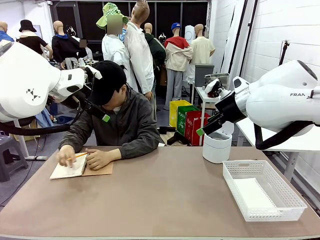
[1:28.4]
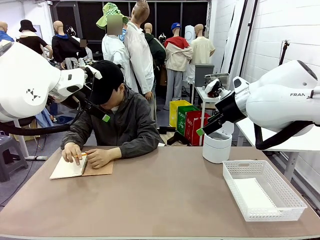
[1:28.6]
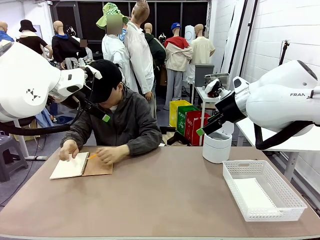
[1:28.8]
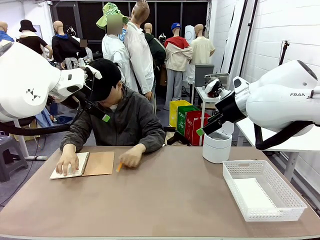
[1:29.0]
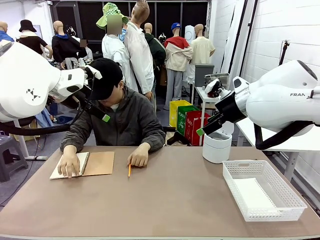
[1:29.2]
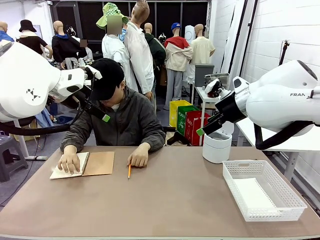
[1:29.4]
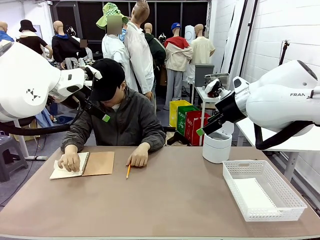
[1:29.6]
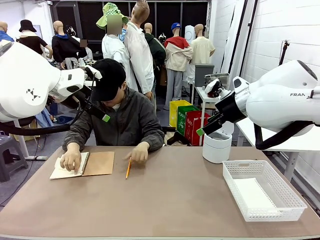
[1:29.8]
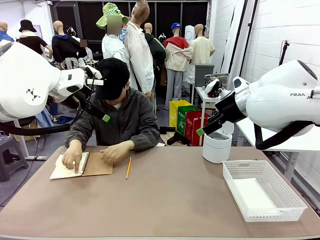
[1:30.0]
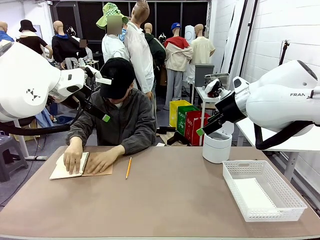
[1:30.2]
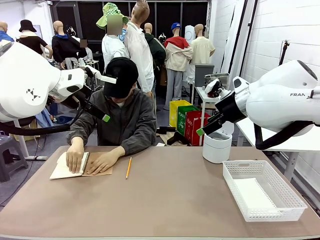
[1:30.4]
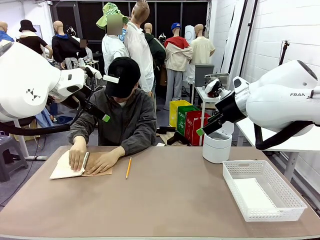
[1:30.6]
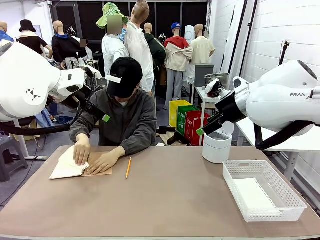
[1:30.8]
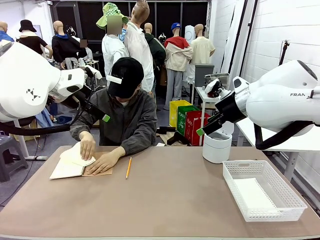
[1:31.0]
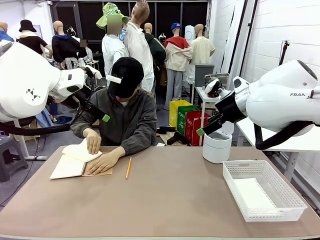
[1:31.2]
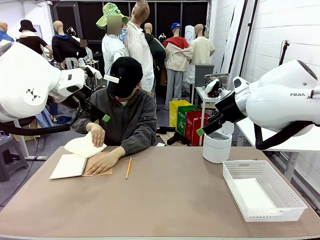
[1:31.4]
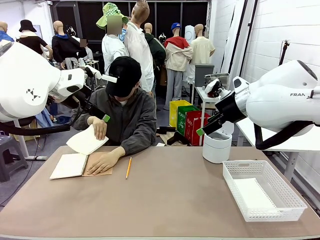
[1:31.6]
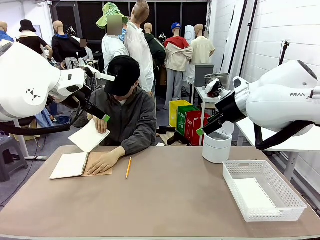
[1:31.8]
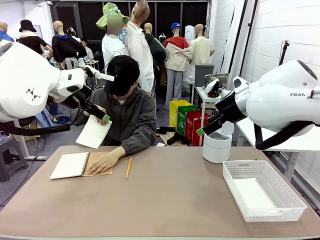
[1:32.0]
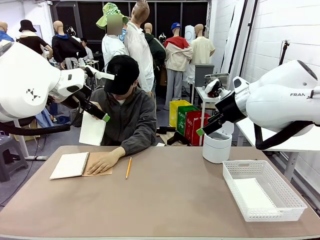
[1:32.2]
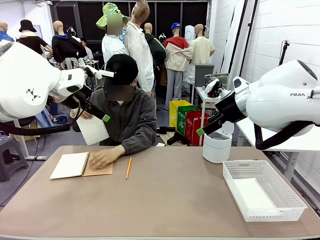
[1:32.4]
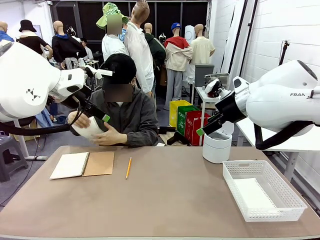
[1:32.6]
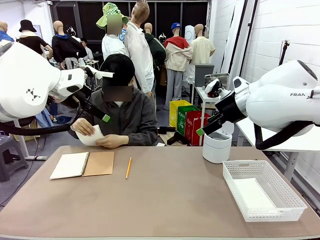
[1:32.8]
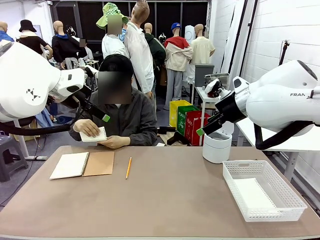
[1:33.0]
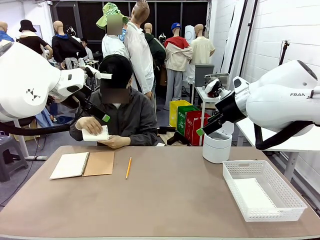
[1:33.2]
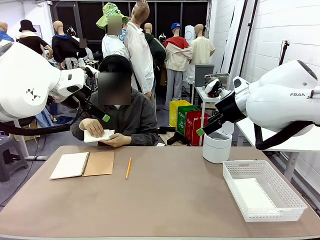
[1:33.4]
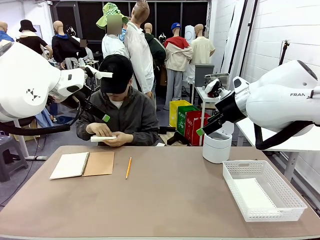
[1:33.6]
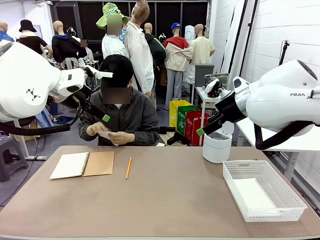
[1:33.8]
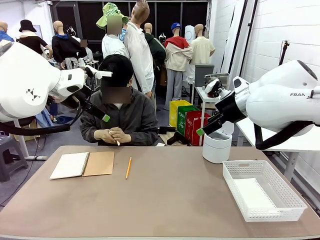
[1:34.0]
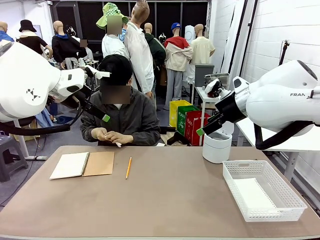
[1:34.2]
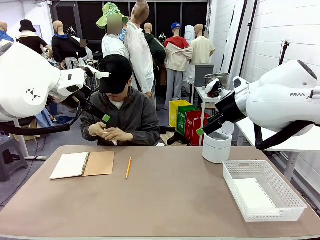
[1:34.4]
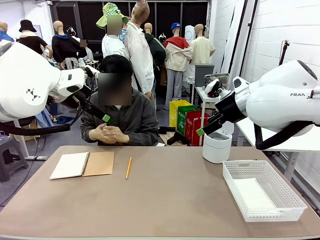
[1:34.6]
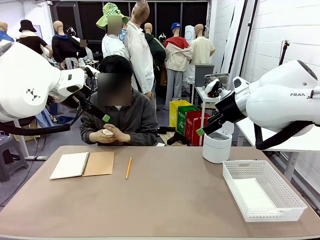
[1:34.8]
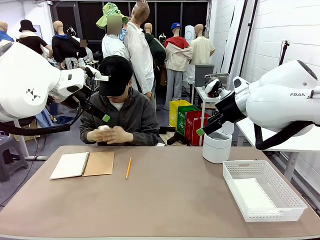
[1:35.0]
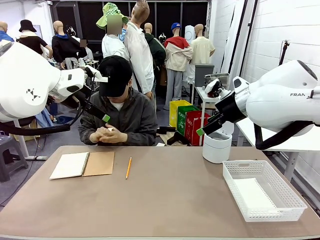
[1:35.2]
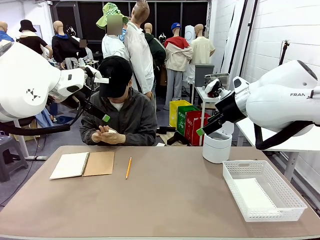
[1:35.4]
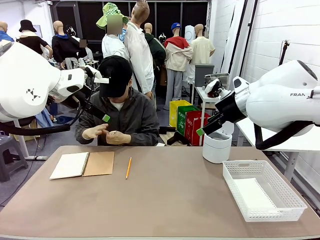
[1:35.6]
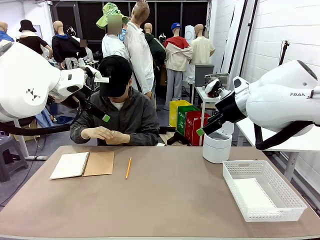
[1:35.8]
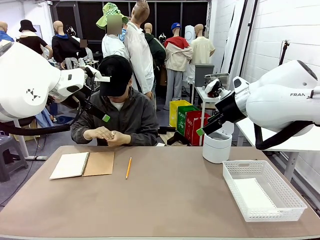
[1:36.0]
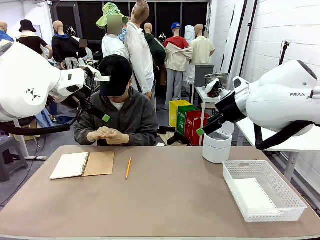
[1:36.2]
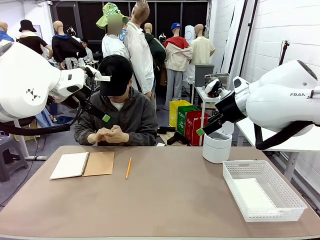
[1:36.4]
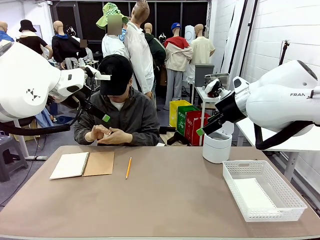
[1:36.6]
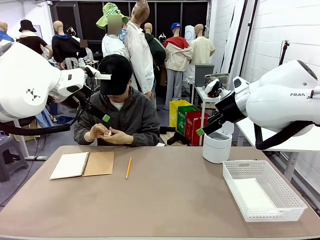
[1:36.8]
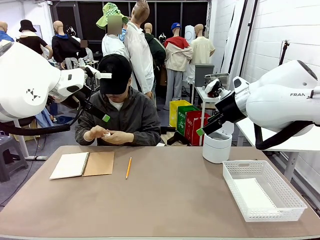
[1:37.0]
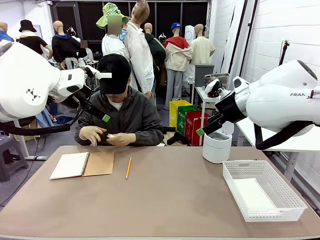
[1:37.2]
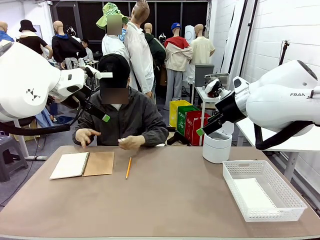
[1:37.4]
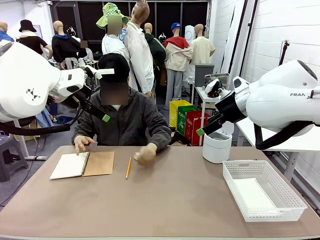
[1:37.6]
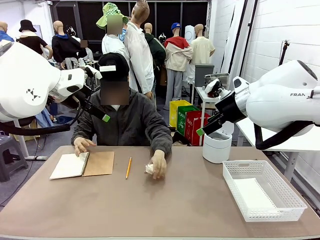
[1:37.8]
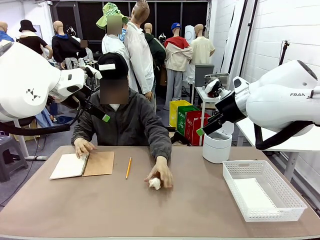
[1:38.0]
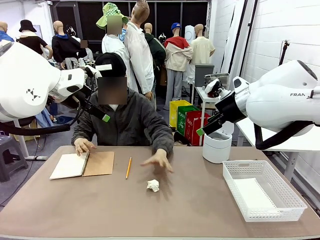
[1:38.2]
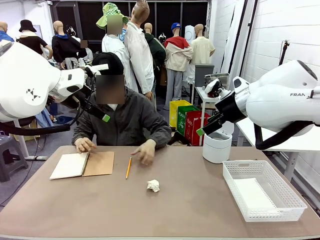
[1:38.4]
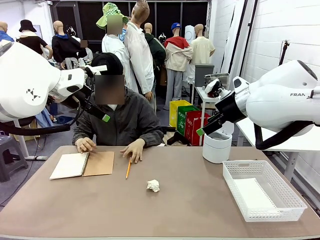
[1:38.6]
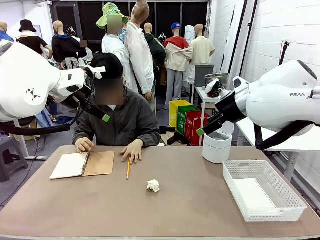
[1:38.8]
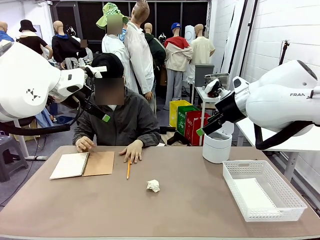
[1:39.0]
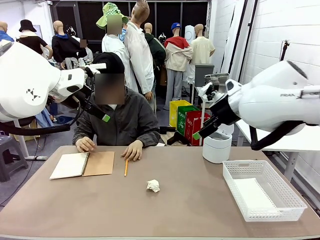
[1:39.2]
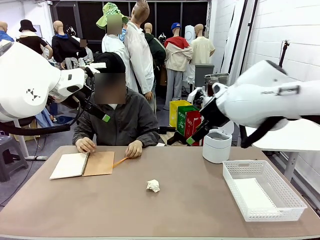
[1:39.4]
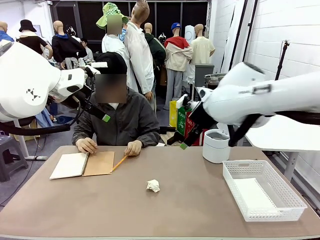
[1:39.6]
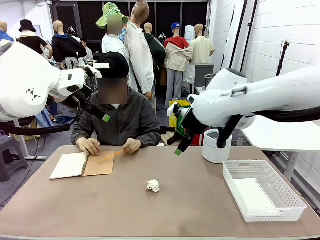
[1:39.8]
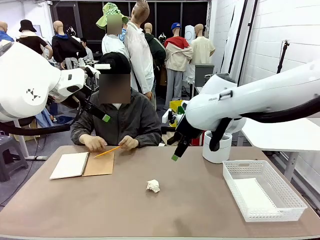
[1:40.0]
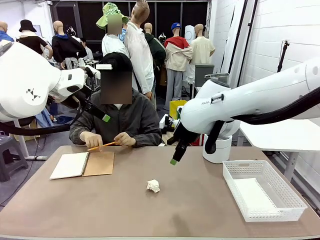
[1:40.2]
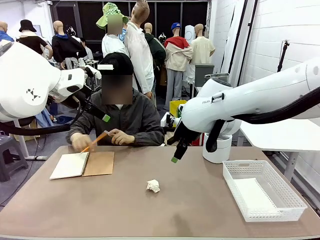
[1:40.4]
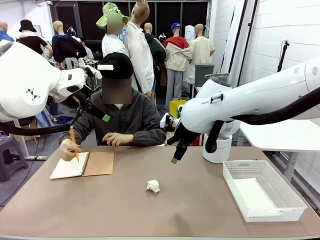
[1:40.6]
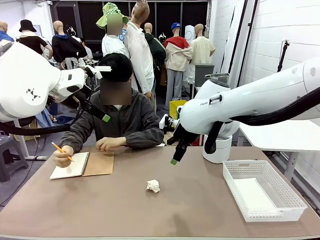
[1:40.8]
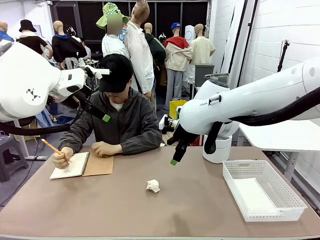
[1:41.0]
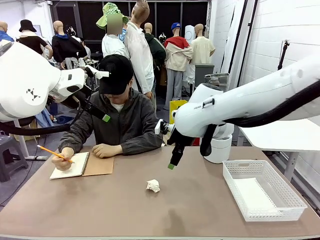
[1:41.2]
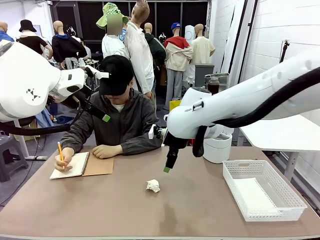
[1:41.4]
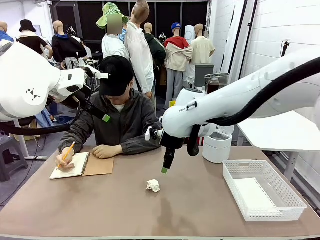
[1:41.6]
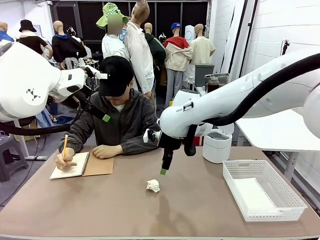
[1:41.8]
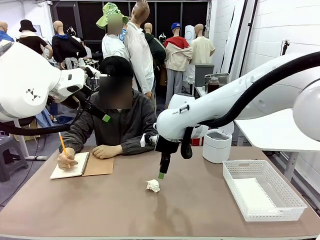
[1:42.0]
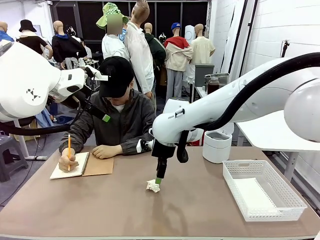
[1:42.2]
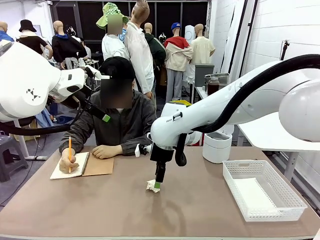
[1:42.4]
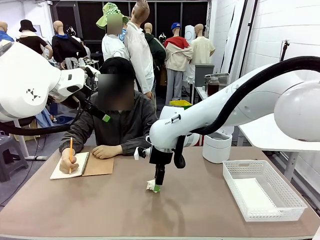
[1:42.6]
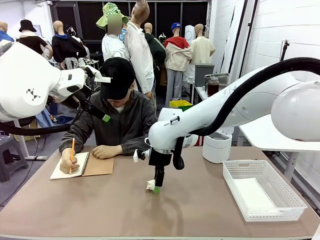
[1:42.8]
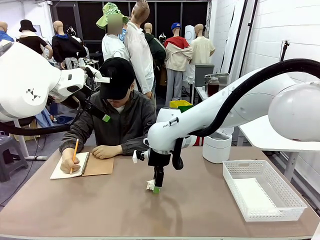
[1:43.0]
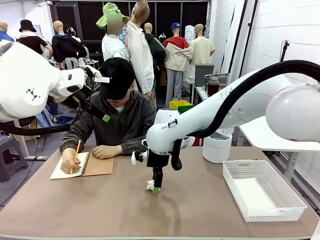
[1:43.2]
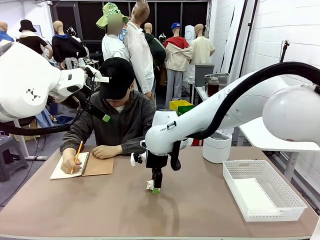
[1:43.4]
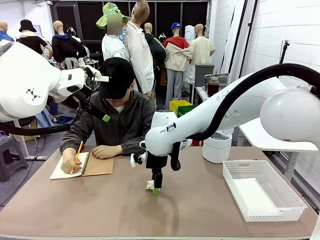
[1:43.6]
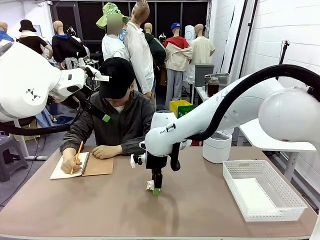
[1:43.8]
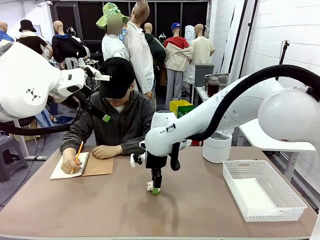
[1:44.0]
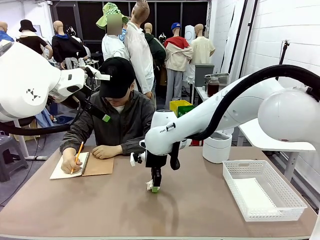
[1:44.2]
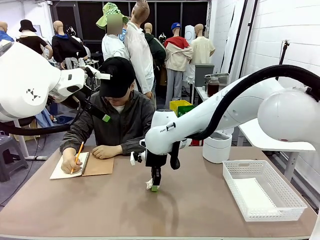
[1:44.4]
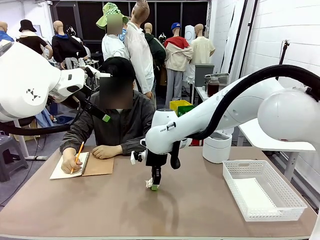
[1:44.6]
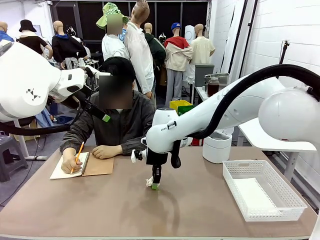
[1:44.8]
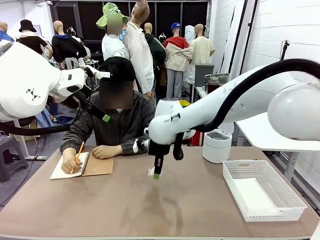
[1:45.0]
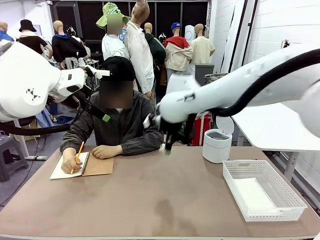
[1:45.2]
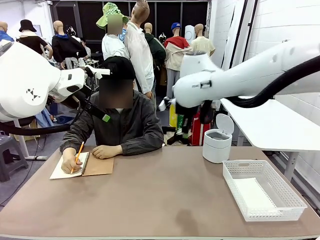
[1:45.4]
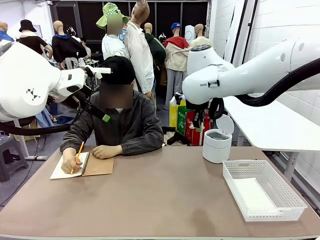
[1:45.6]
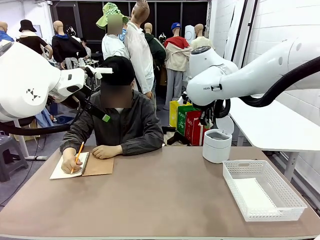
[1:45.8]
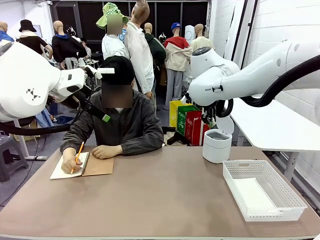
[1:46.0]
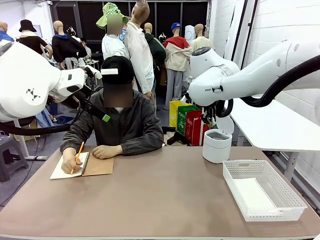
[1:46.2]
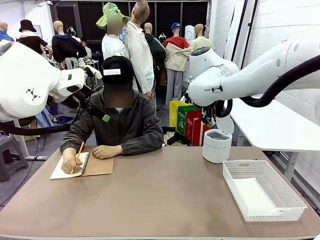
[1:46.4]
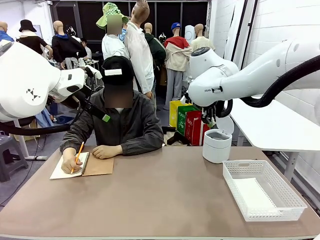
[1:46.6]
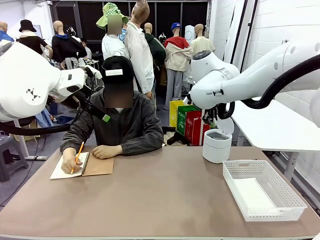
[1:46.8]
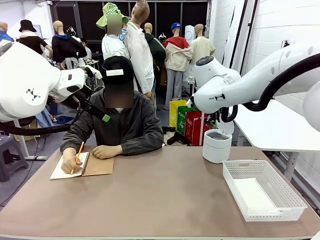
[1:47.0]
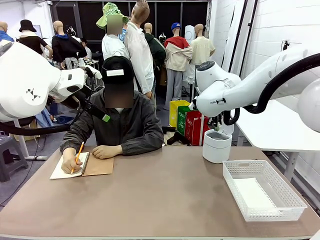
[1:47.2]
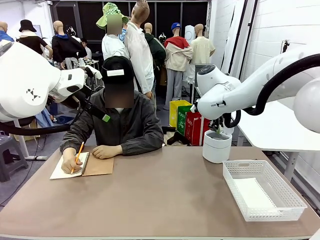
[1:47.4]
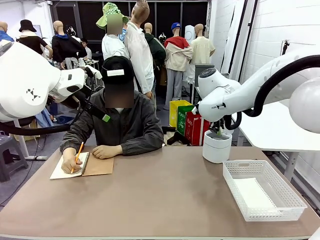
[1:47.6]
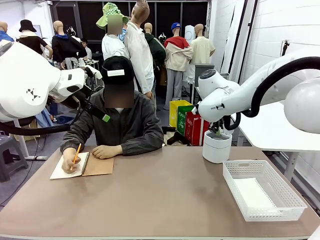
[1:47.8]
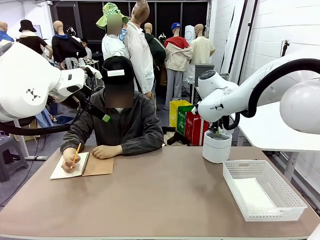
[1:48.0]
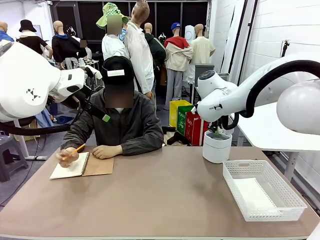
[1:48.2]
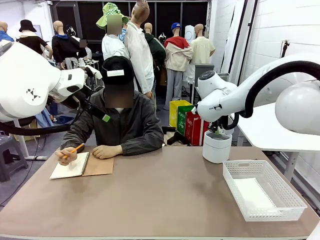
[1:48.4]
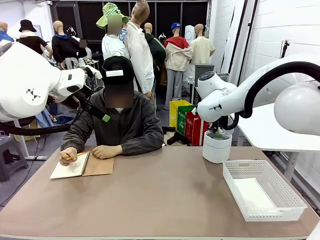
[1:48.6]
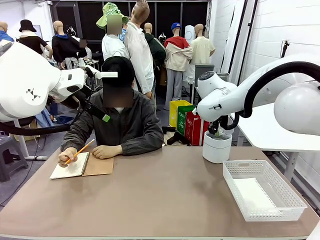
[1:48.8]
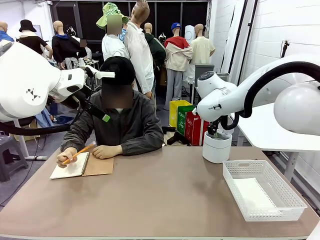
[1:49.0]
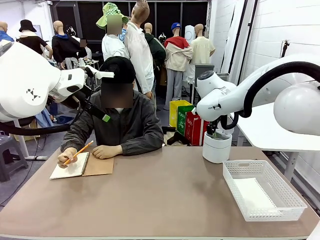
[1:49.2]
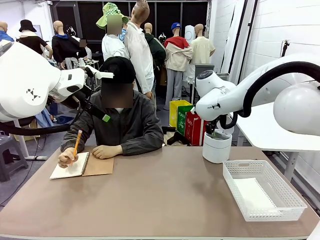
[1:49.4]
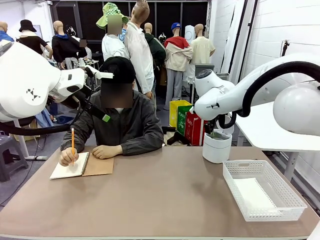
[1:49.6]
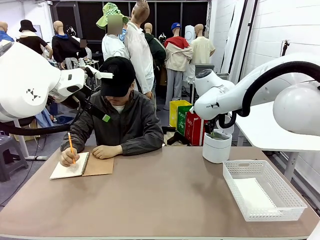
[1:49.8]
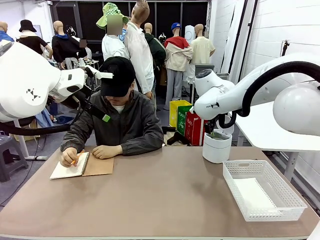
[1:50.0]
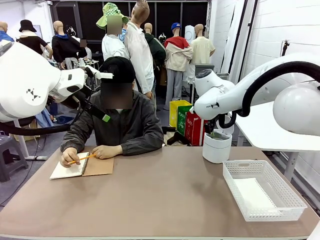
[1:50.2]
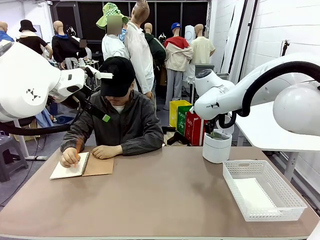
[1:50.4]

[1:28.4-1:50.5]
Task: Sort the paper based on its condition.
Robot: If a person hands you a paper, place it in the Organizing basket , and if it's crumpled, put it in the Trash can.
Person: Hand the torn page to the robot or crumple it and throw it to the center of the table.
